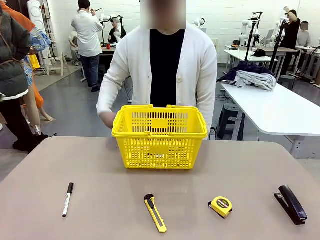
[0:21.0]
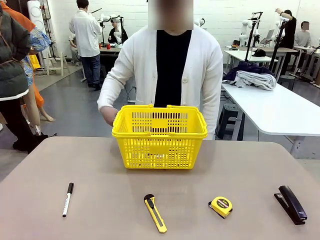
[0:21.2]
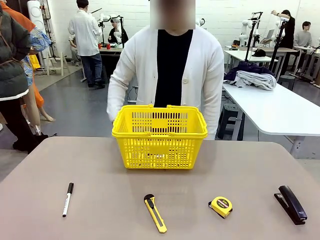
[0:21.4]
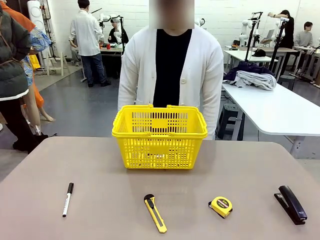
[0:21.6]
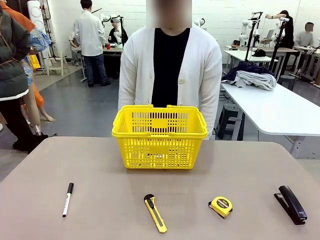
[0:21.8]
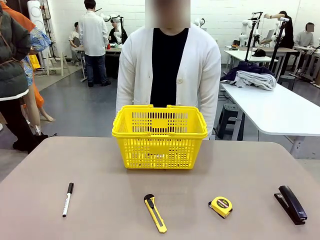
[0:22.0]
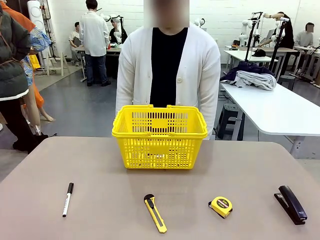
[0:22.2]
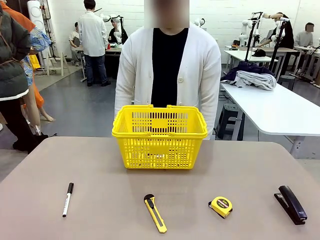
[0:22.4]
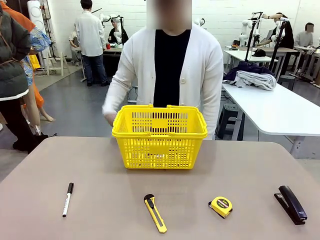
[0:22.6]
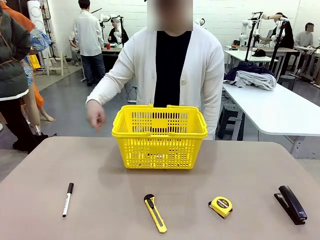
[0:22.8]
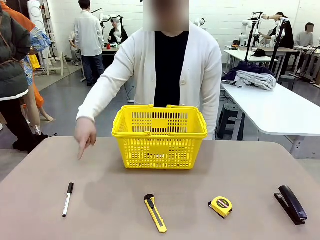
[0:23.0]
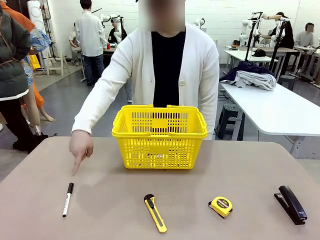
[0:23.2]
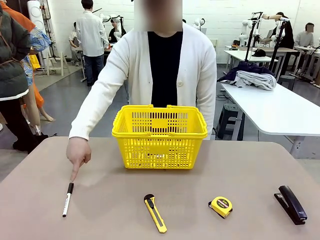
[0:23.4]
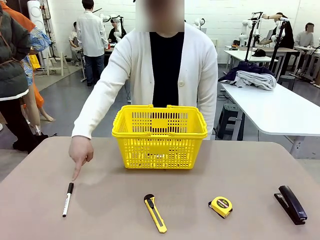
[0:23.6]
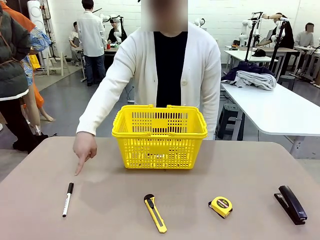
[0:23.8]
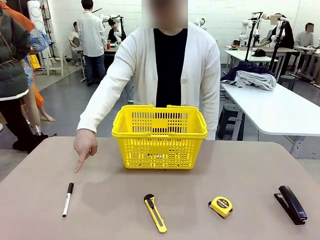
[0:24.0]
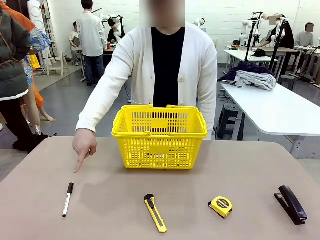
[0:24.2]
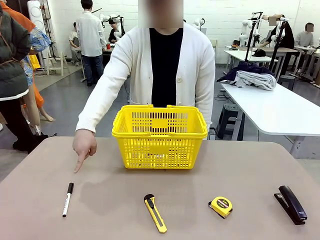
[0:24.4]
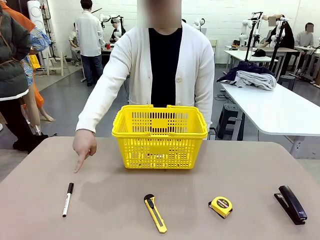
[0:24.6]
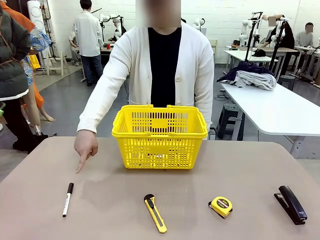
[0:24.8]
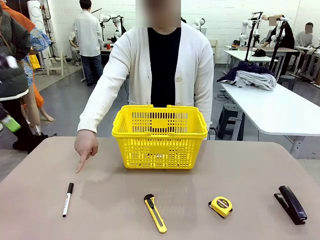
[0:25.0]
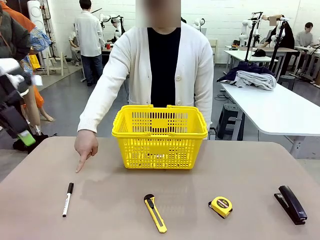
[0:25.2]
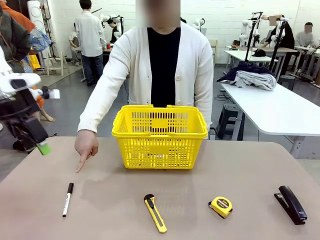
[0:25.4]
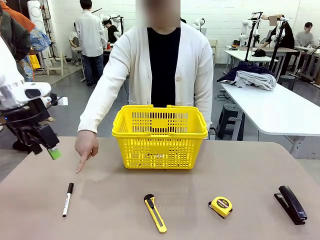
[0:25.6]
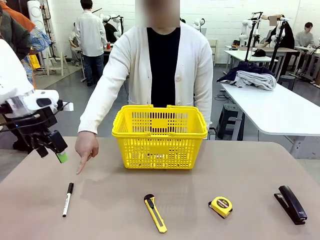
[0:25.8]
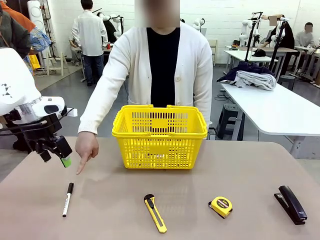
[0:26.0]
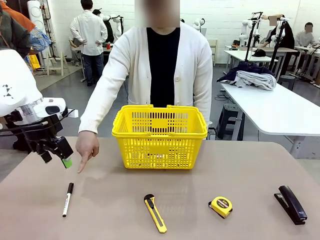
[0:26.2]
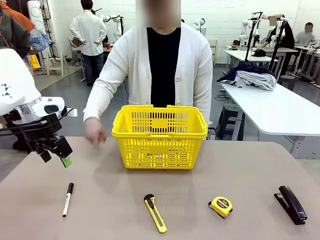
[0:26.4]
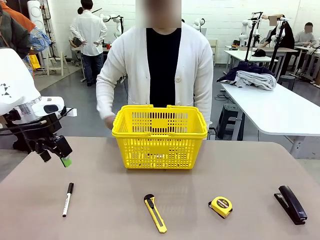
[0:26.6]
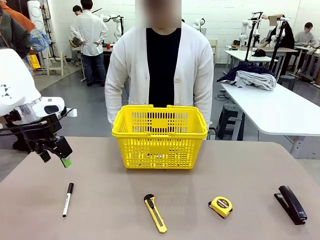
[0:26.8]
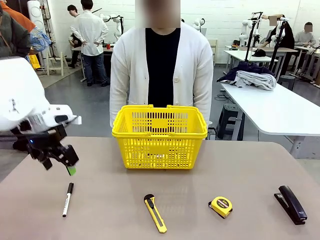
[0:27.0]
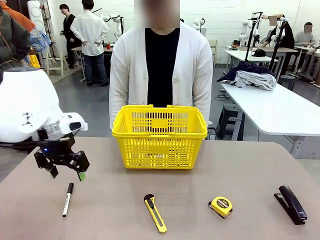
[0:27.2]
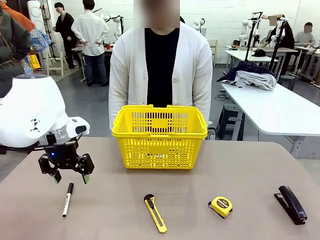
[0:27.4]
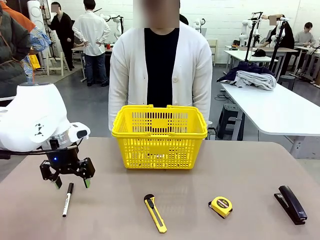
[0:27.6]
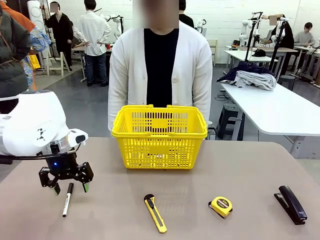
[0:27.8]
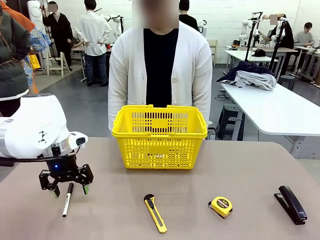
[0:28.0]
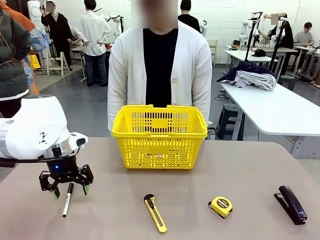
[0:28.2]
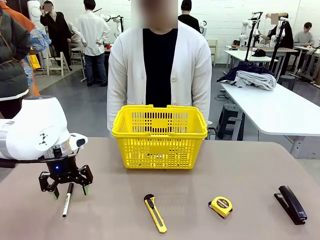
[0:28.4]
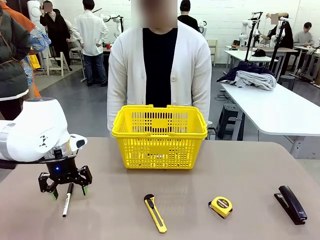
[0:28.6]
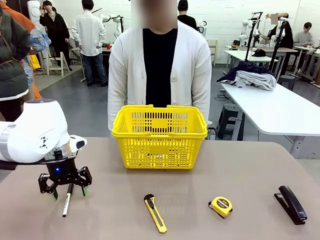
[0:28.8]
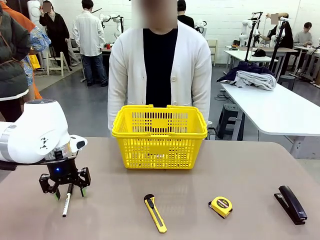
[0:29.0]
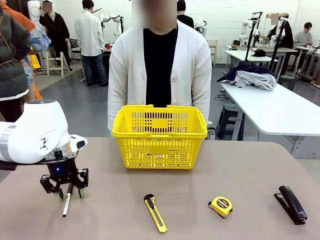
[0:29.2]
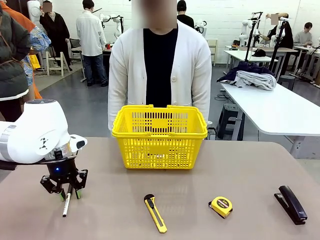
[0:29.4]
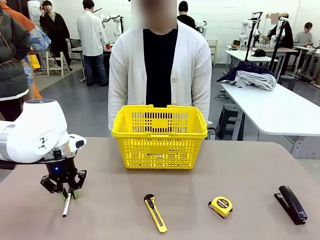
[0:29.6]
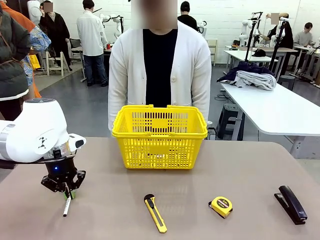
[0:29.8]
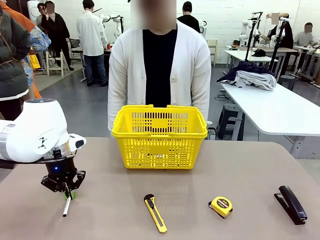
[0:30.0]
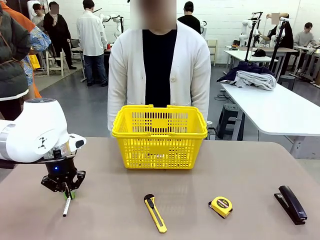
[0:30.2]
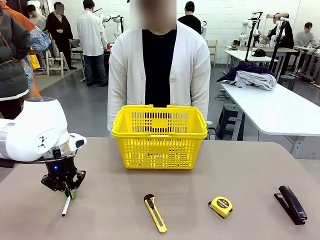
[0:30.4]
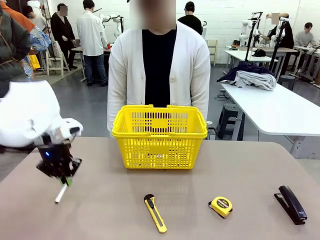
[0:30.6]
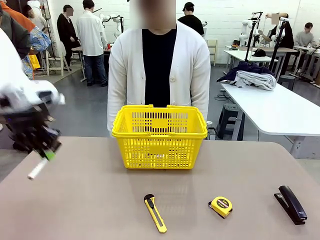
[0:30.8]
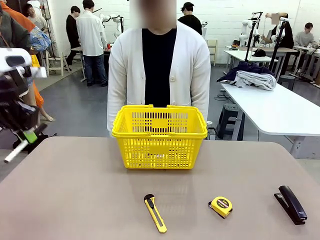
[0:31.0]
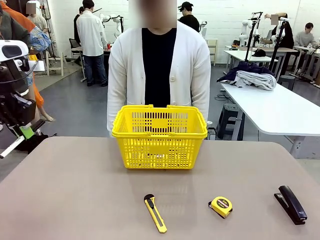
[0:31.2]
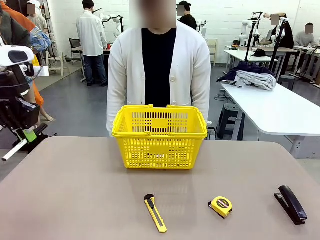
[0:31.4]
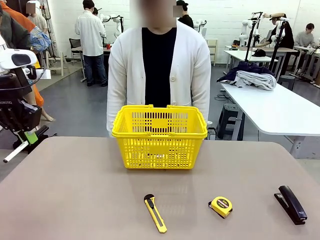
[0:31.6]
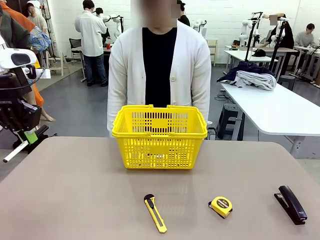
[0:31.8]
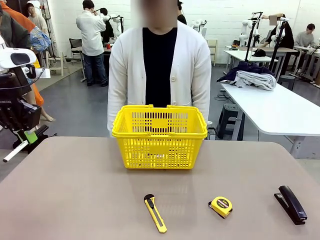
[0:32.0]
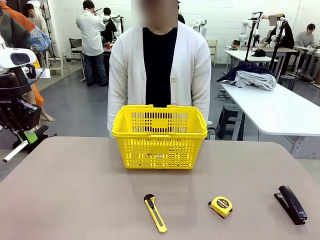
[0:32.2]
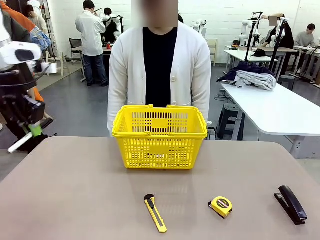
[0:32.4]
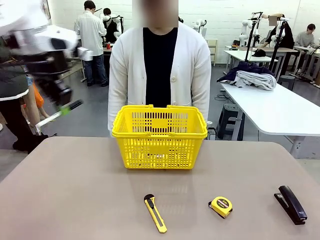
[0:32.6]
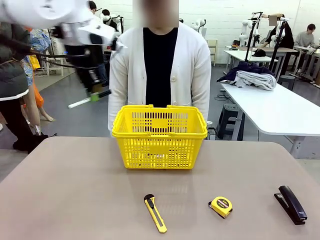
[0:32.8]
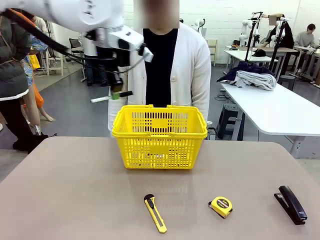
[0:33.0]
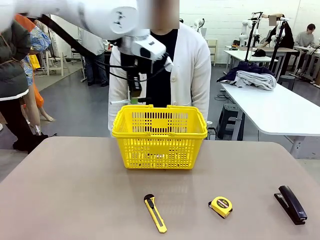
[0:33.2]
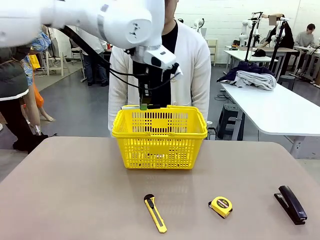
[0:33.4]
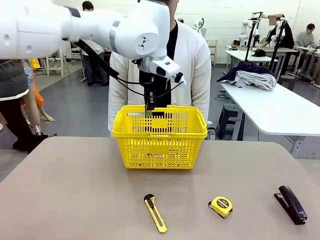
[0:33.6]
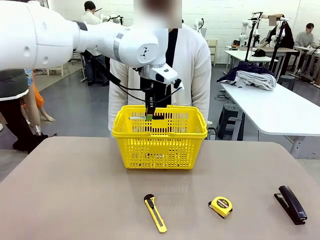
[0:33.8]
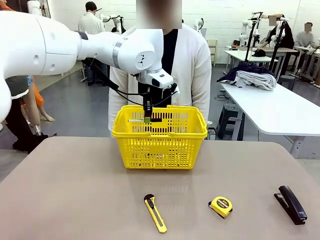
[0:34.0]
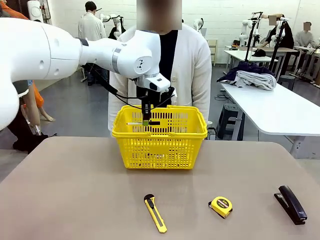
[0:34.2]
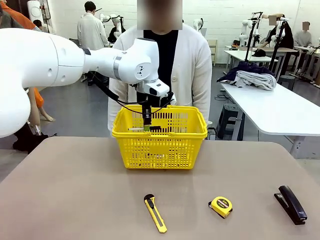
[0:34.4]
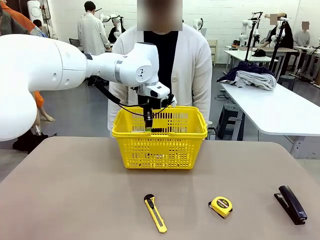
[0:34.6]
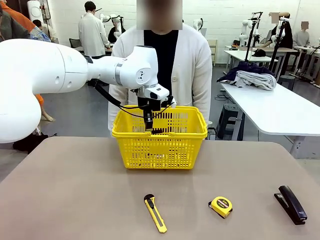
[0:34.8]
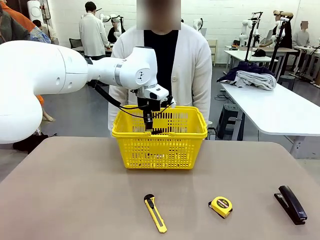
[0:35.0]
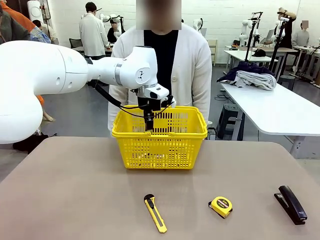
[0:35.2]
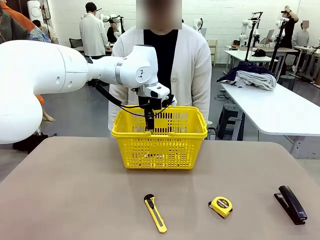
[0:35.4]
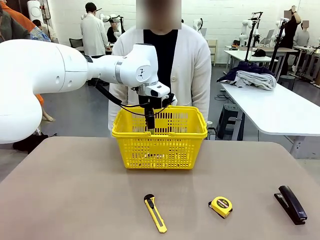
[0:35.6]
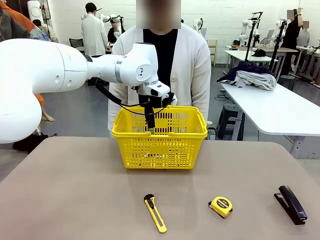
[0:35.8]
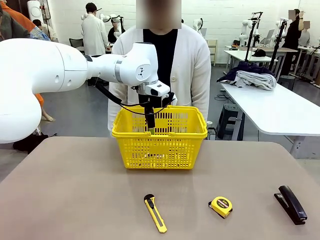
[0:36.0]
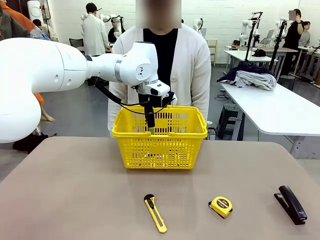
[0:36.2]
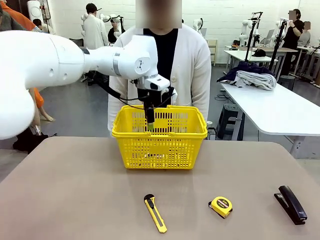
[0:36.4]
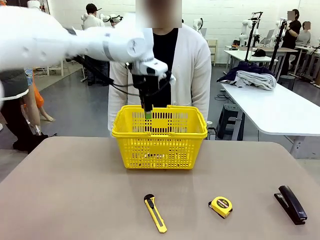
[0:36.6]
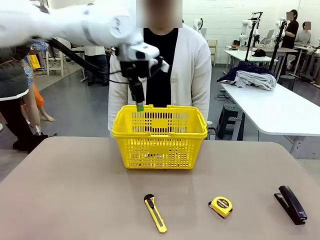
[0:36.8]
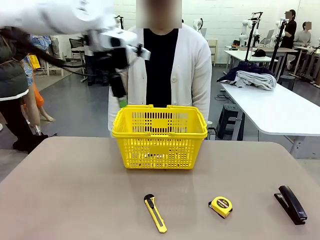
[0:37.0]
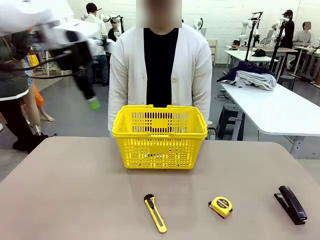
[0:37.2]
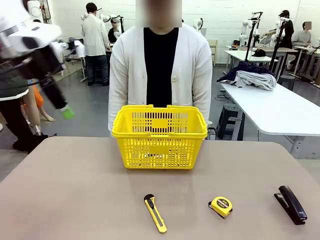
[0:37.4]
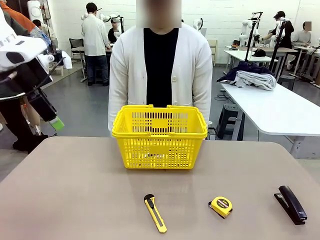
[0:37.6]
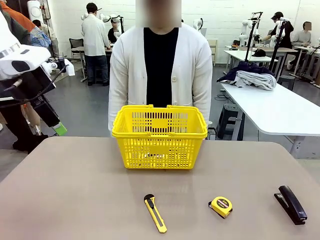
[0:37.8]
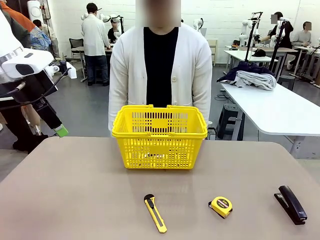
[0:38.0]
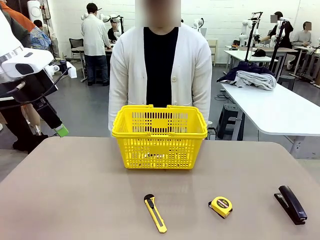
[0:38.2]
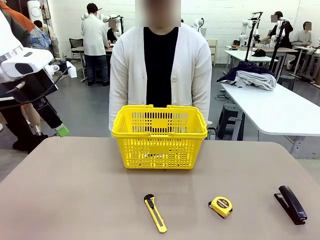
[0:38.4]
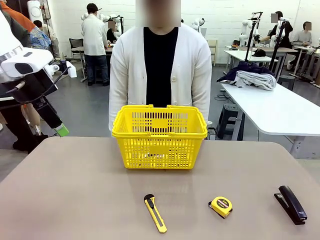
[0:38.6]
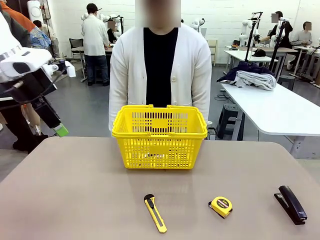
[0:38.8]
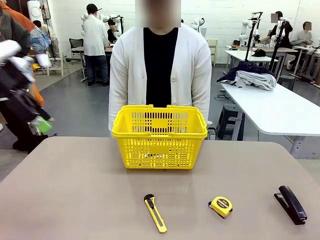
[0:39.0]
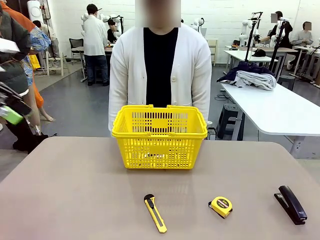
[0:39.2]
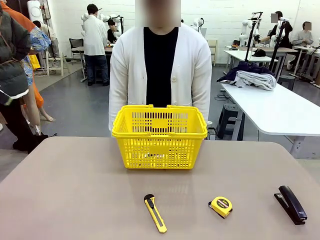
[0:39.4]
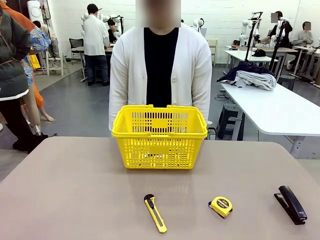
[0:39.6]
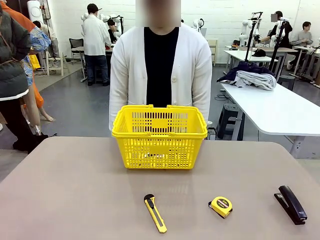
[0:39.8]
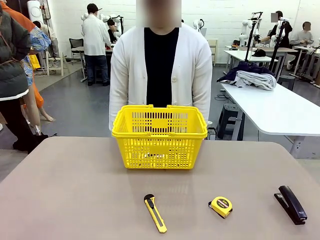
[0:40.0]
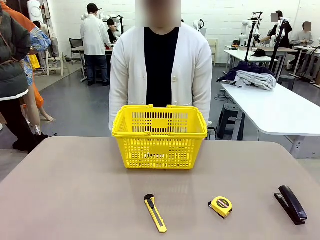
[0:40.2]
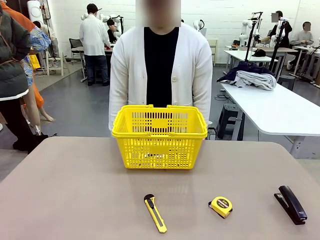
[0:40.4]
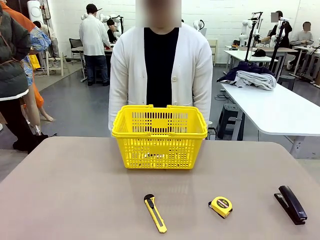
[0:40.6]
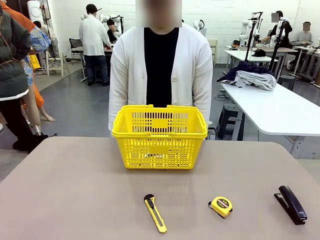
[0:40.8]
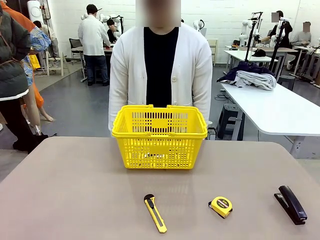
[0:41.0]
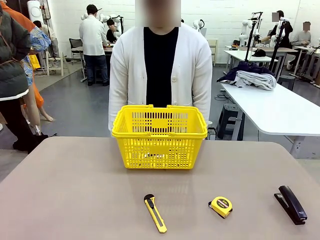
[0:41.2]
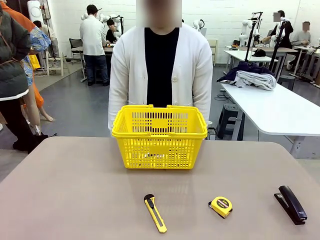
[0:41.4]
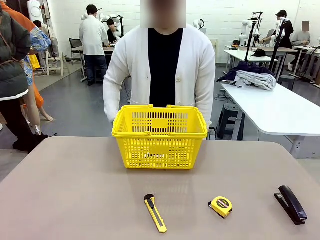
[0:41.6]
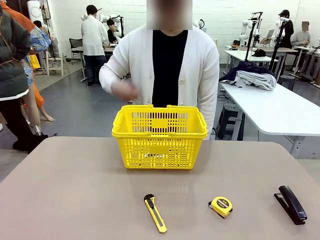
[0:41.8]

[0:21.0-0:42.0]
Task: Place the items the person wants into the basket.
Robot: Pick up the item the person points to and place it in the Market Basket.
